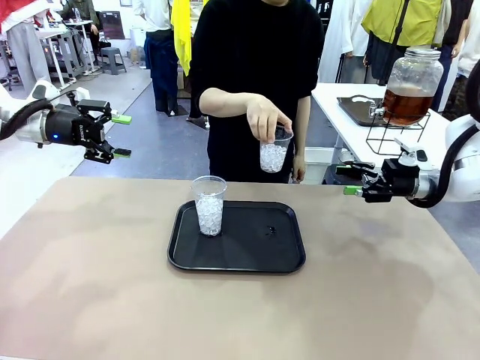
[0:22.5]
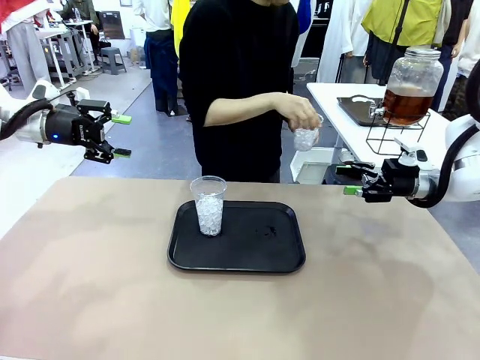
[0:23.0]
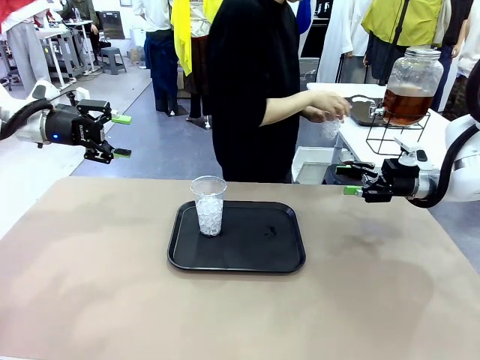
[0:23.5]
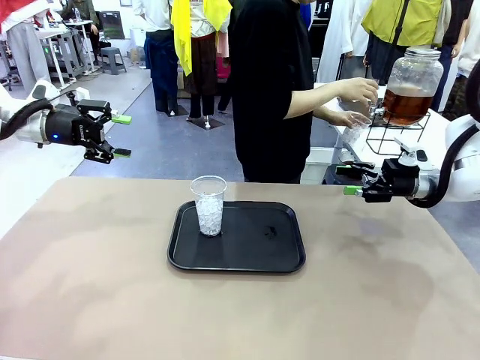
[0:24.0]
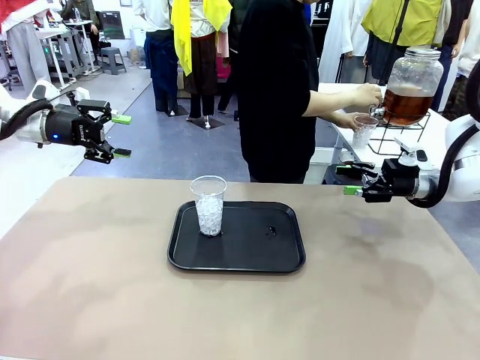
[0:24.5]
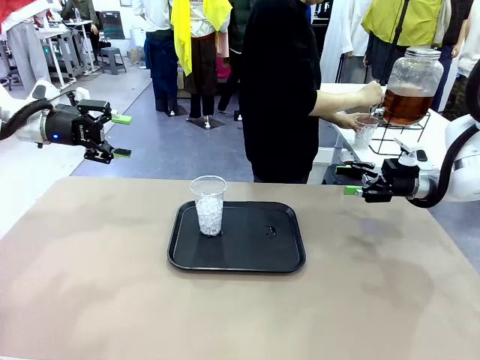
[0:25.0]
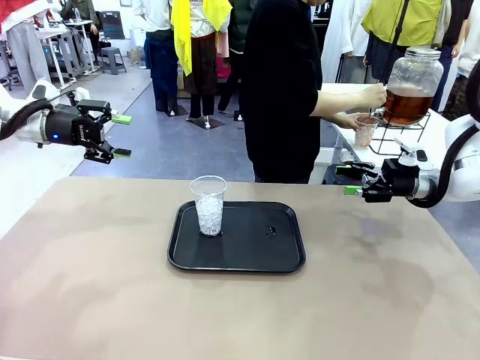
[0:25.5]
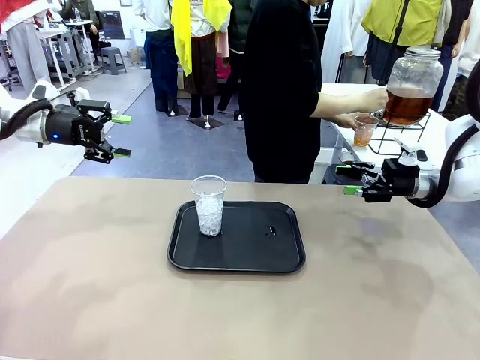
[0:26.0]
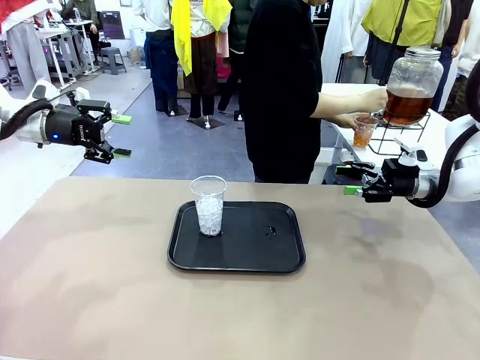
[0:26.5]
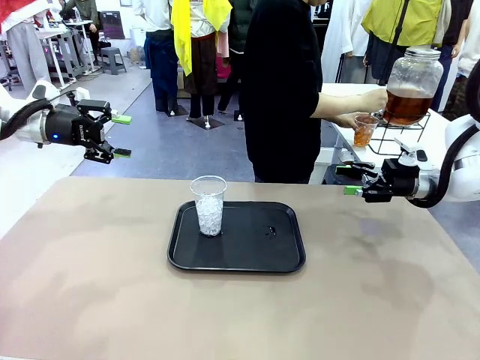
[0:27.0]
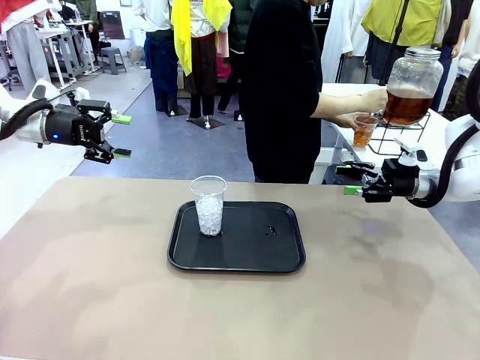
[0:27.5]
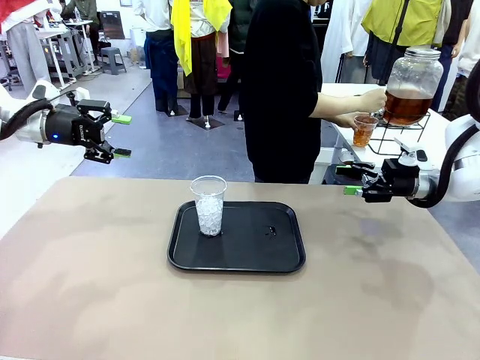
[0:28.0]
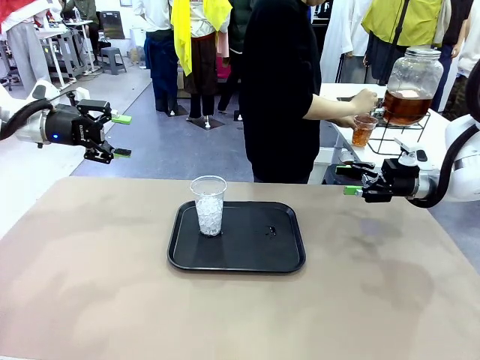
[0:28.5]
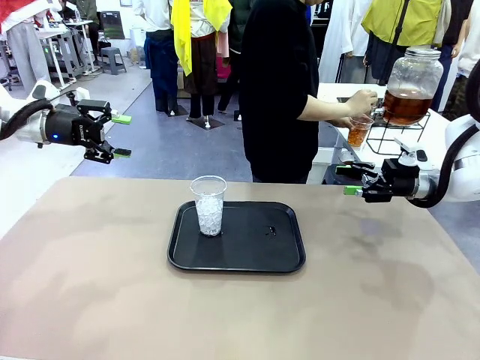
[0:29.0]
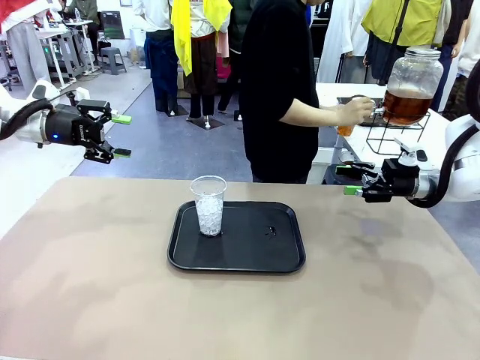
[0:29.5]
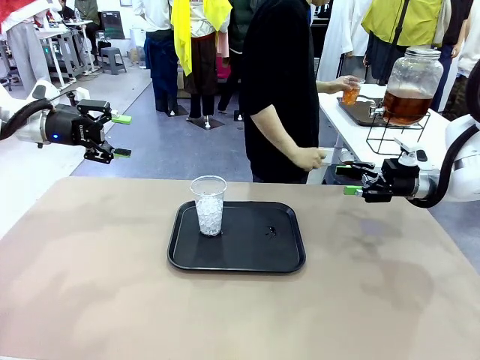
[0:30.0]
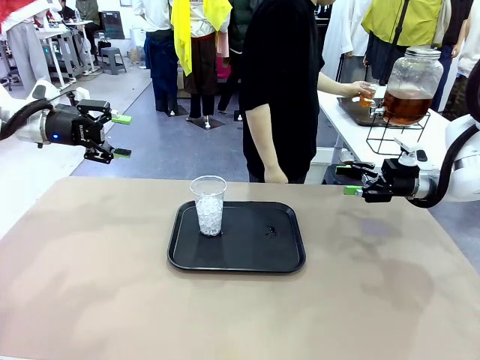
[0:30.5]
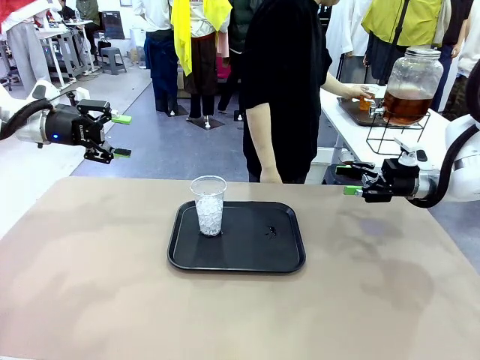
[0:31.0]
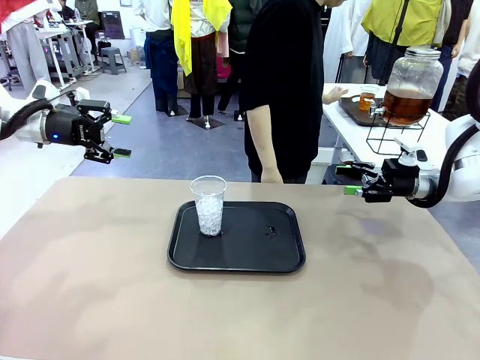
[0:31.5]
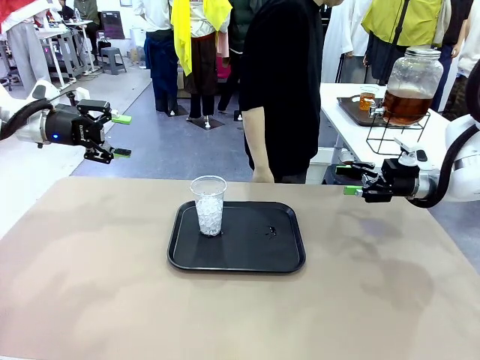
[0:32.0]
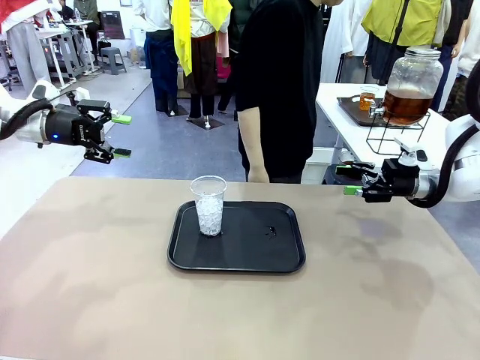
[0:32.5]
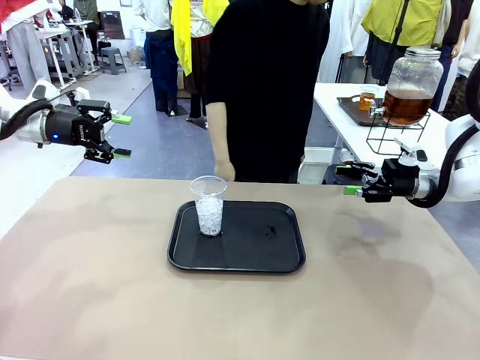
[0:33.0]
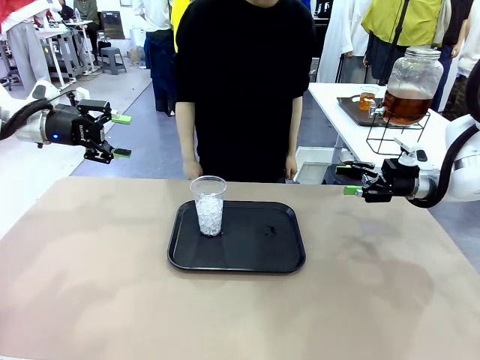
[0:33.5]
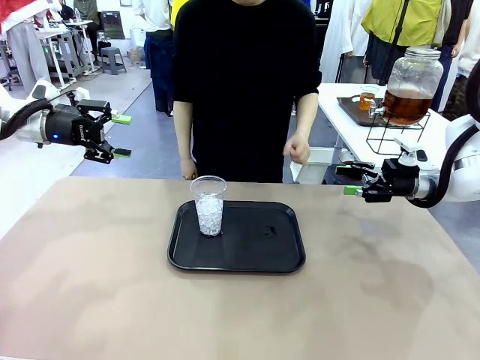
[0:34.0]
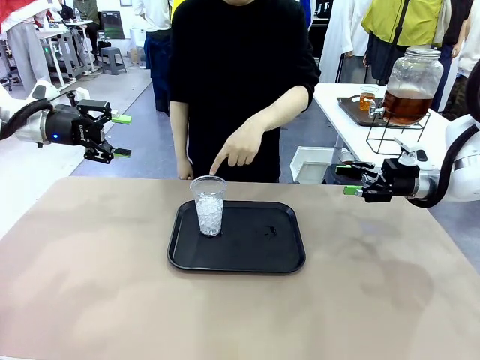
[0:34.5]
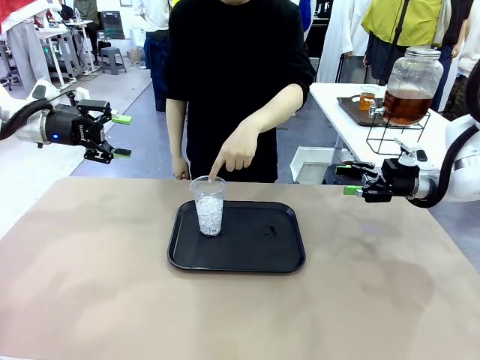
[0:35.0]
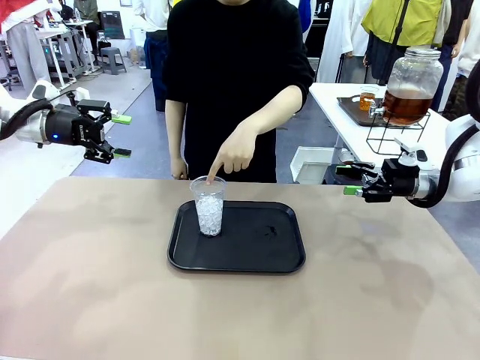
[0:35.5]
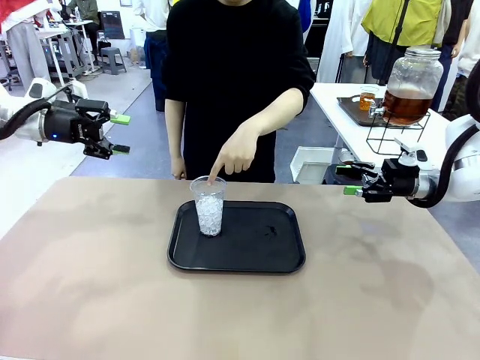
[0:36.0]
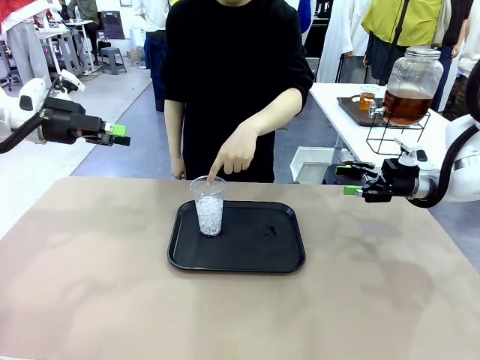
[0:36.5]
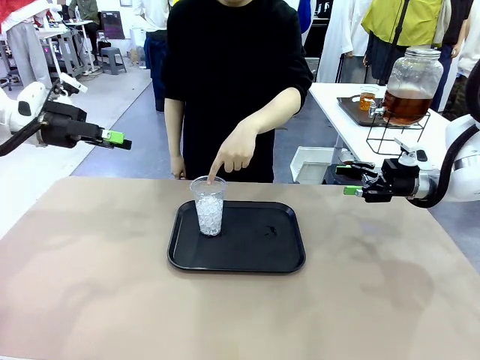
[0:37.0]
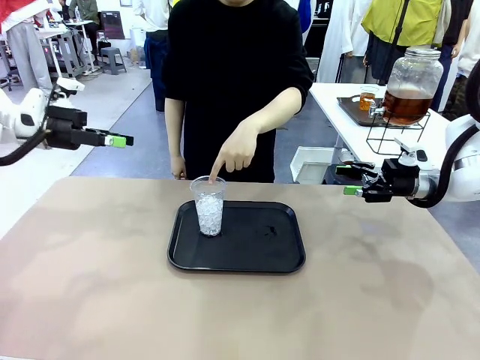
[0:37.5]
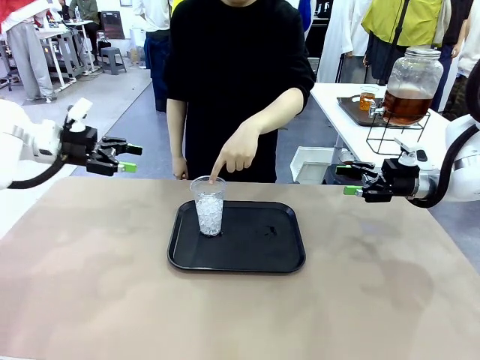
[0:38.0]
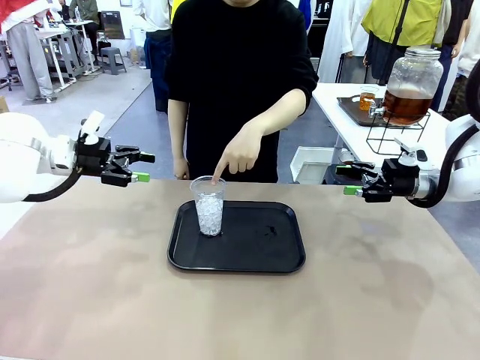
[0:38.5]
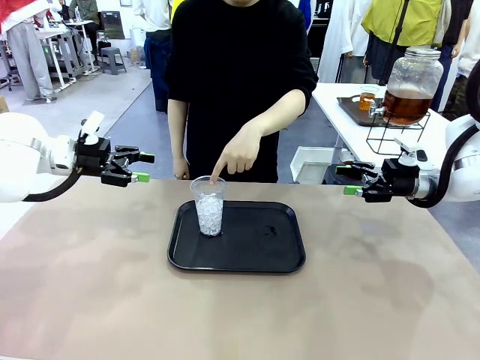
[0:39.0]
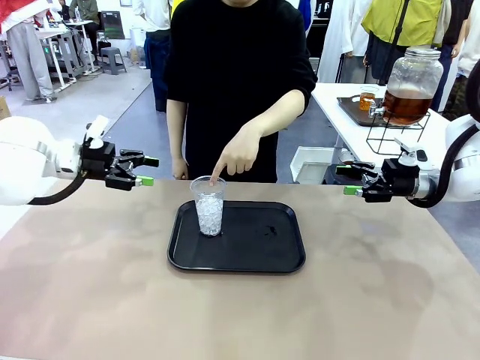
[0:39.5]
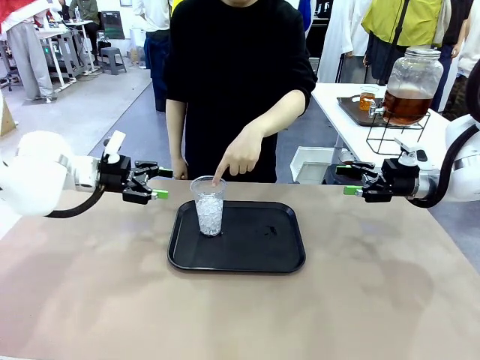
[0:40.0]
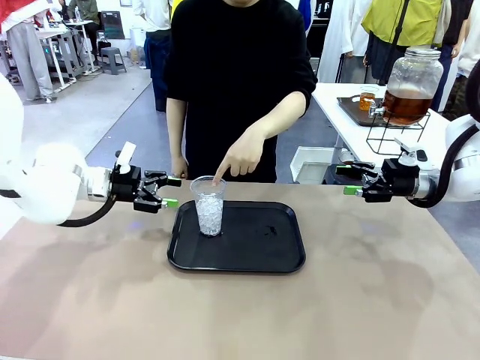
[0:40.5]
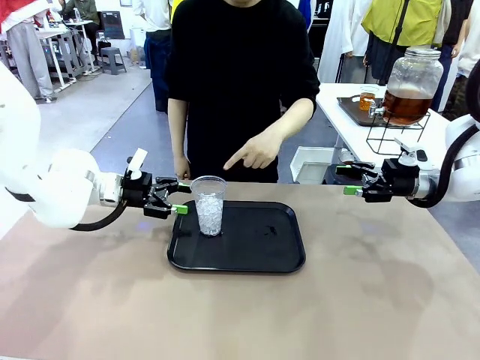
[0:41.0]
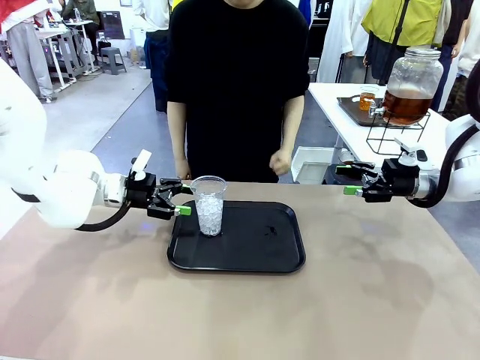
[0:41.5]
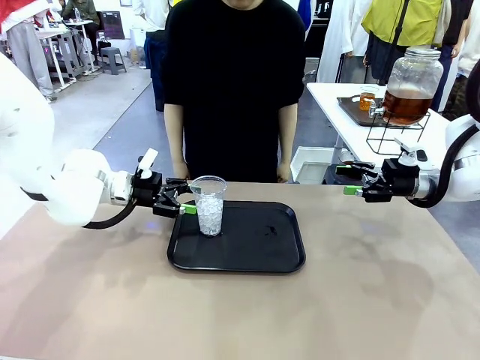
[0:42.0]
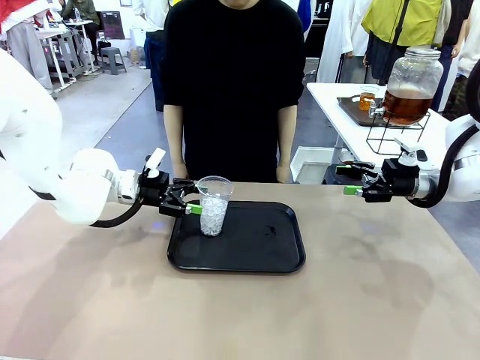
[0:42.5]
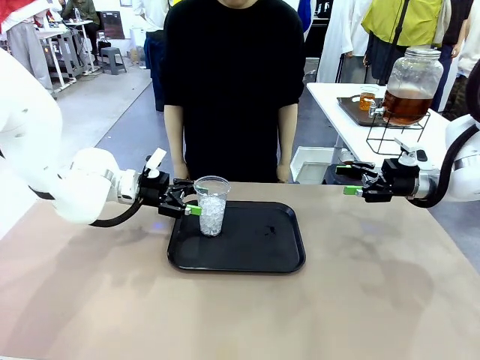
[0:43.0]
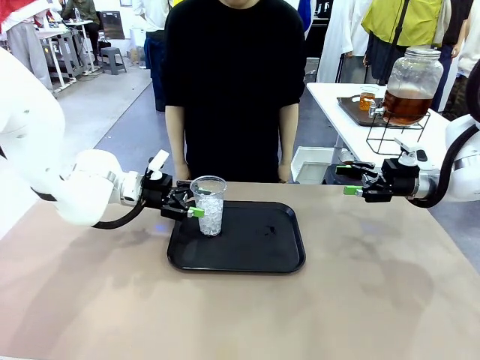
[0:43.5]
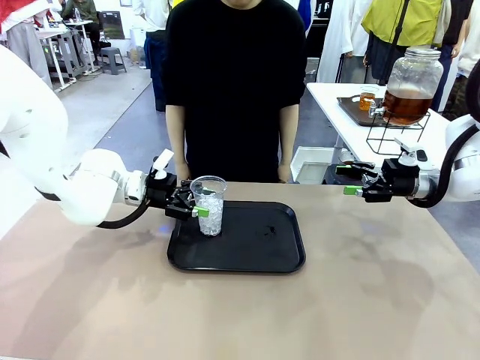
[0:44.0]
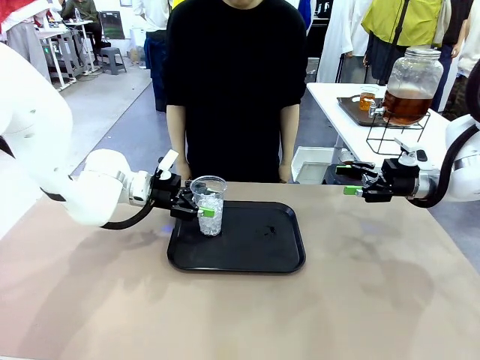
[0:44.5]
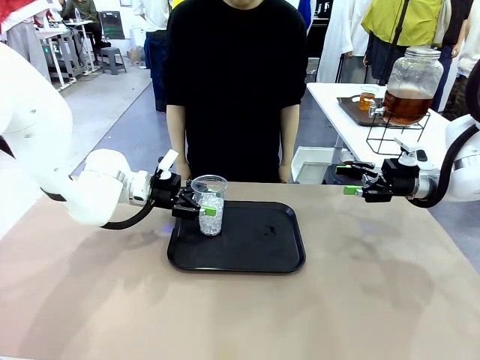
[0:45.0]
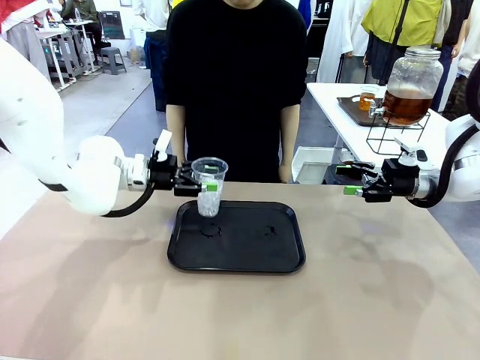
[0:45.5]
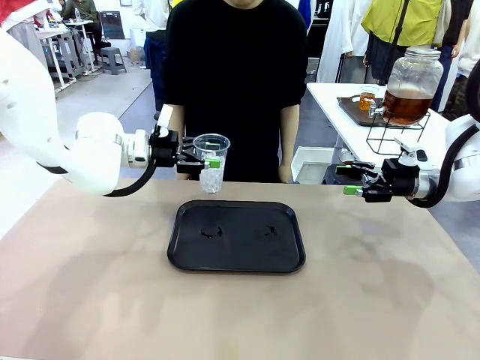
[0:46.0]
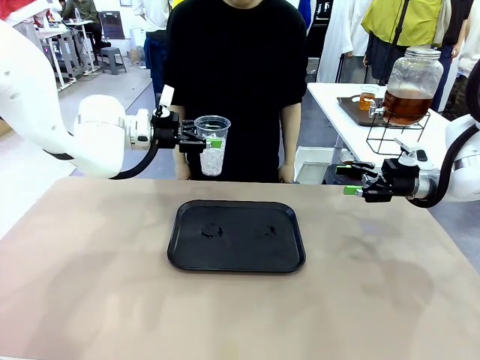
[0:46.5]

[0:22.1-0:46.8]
Task: Pour the drink into the iced cup.
Robot: Pick up the iced cup indicated by the human and present it to them.
Person: Move the picked-up cup under the dispenser faucet, pour the drink, and place it on the tray on the human table. Point to the remaining ice cup on the robot table. Pick up the cup offered by the robot.
